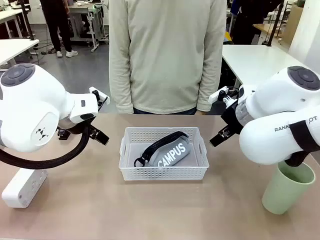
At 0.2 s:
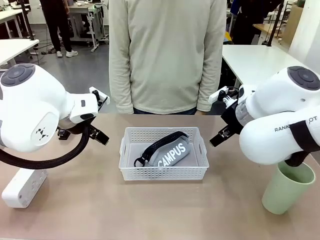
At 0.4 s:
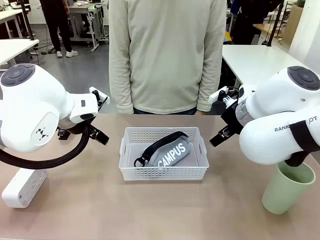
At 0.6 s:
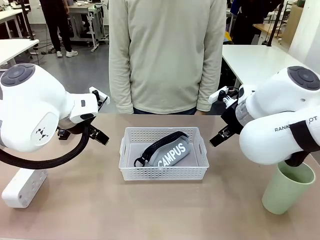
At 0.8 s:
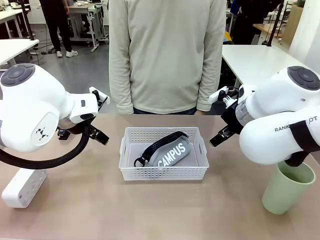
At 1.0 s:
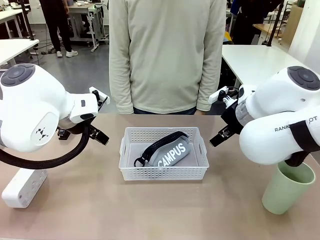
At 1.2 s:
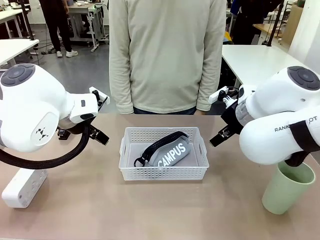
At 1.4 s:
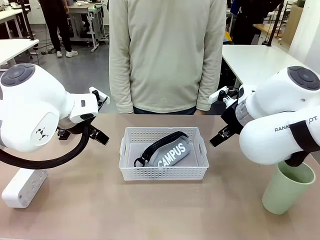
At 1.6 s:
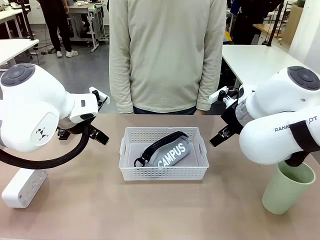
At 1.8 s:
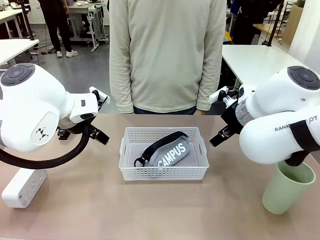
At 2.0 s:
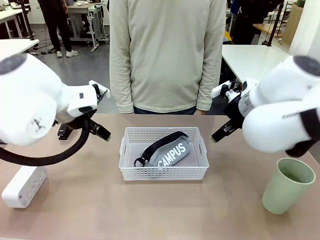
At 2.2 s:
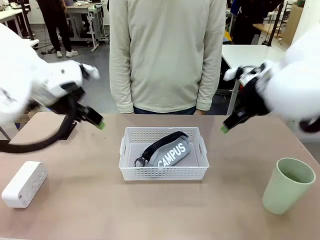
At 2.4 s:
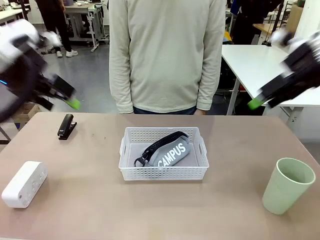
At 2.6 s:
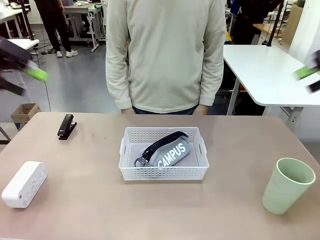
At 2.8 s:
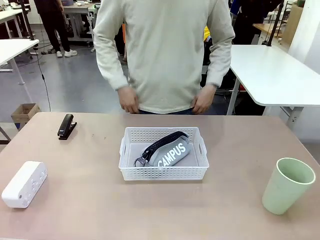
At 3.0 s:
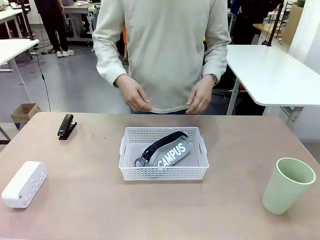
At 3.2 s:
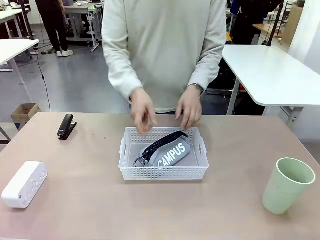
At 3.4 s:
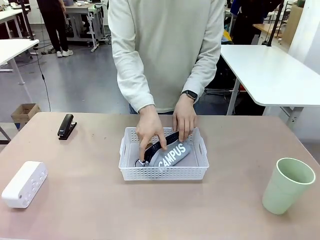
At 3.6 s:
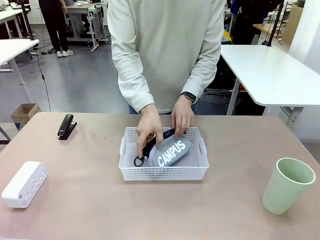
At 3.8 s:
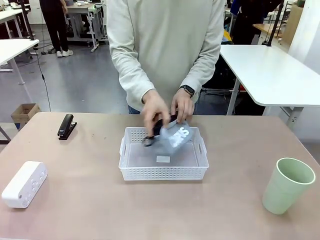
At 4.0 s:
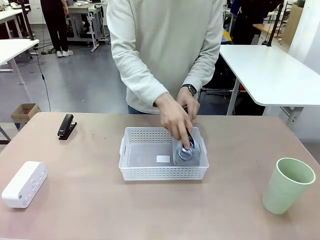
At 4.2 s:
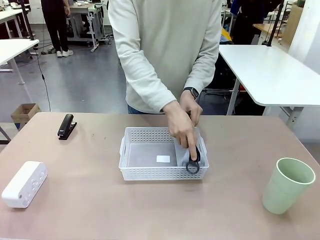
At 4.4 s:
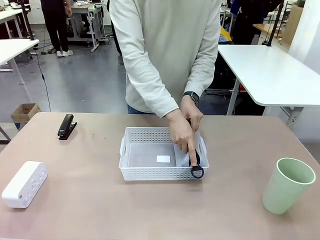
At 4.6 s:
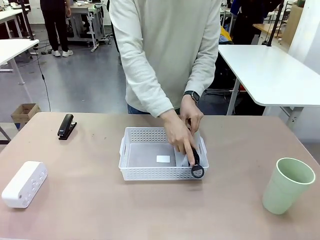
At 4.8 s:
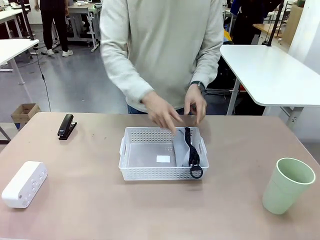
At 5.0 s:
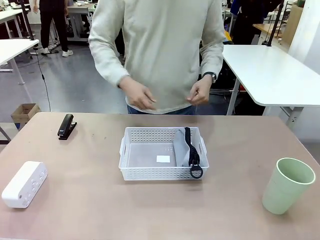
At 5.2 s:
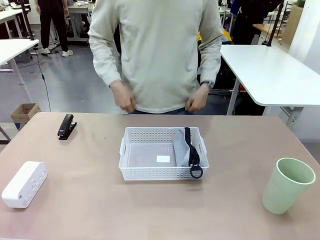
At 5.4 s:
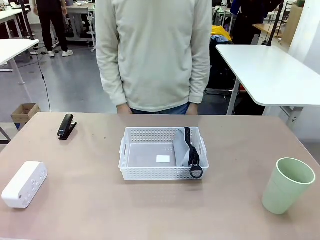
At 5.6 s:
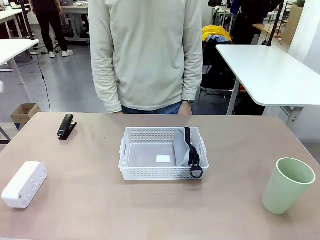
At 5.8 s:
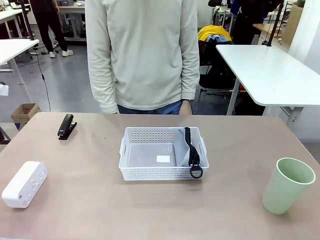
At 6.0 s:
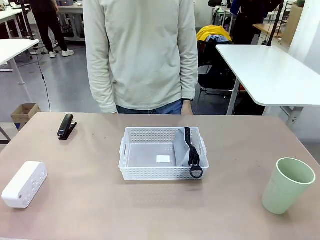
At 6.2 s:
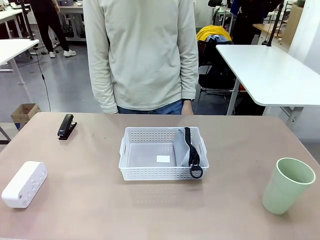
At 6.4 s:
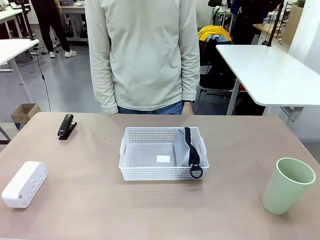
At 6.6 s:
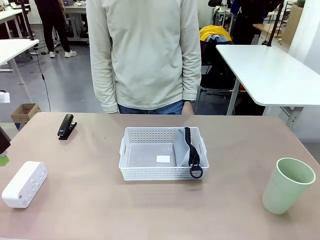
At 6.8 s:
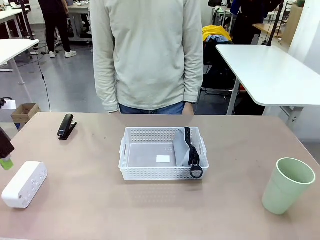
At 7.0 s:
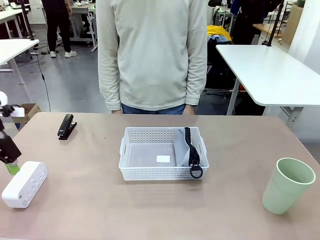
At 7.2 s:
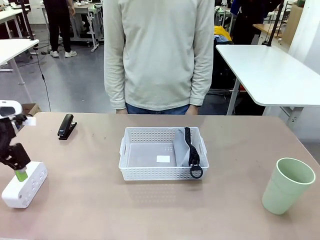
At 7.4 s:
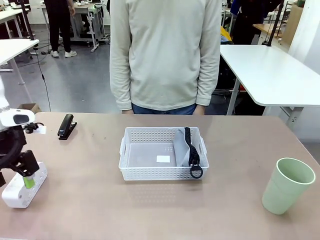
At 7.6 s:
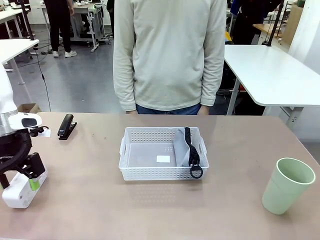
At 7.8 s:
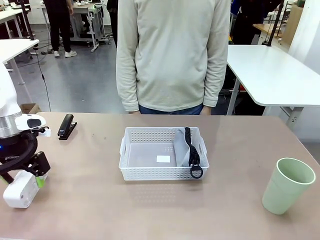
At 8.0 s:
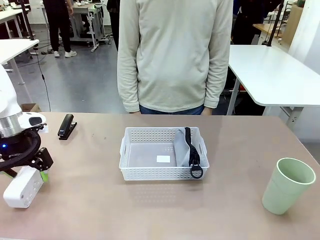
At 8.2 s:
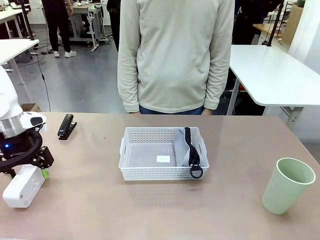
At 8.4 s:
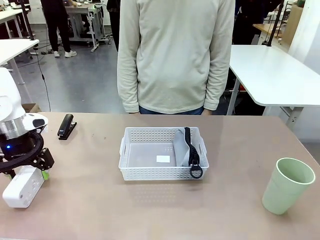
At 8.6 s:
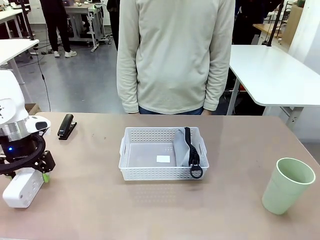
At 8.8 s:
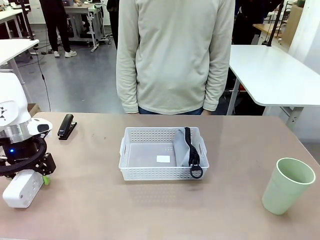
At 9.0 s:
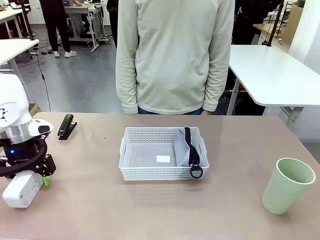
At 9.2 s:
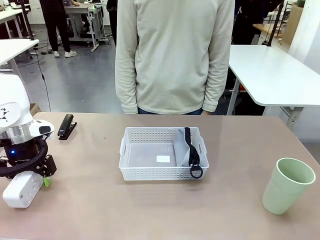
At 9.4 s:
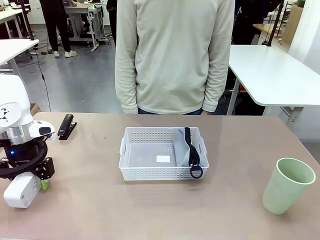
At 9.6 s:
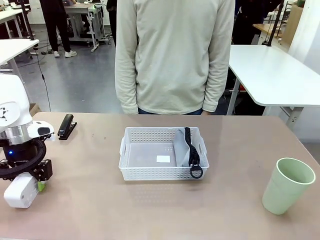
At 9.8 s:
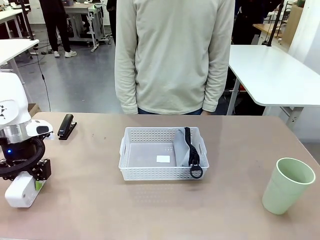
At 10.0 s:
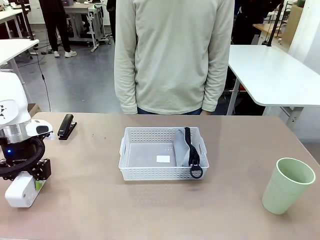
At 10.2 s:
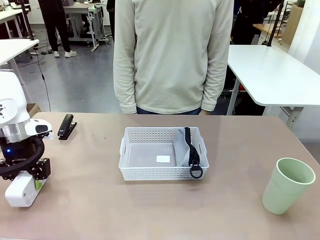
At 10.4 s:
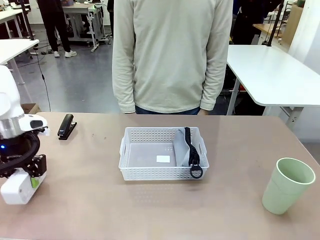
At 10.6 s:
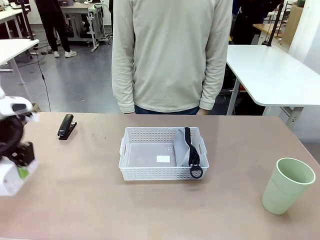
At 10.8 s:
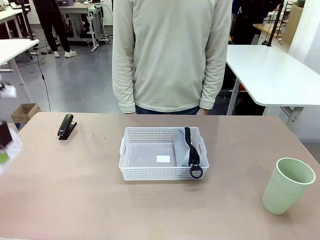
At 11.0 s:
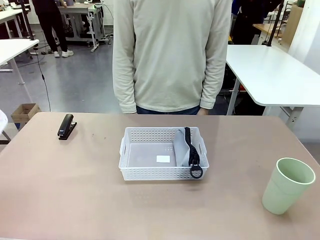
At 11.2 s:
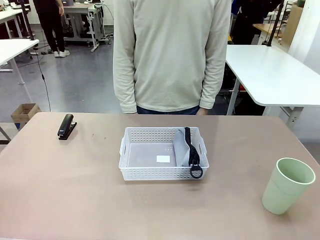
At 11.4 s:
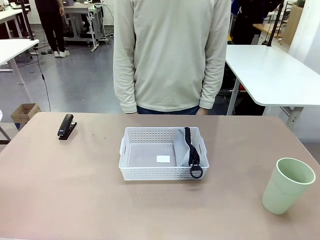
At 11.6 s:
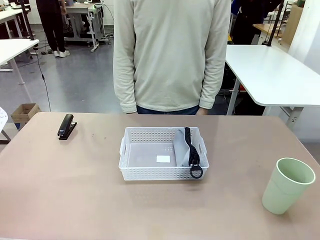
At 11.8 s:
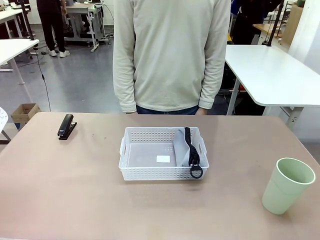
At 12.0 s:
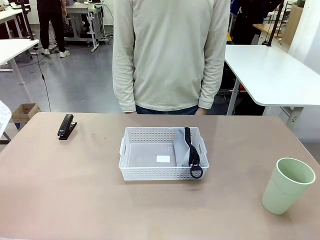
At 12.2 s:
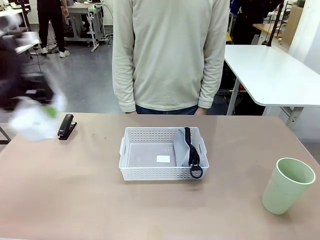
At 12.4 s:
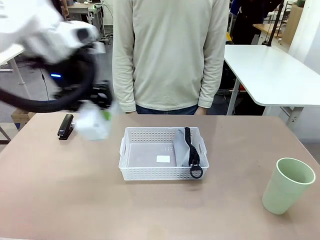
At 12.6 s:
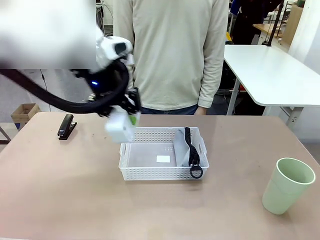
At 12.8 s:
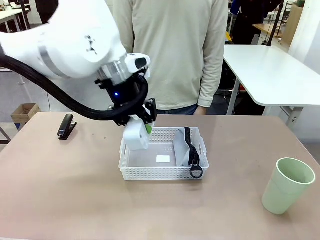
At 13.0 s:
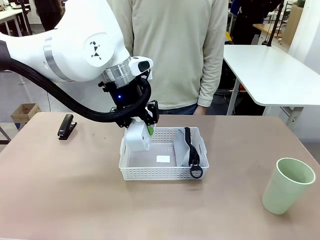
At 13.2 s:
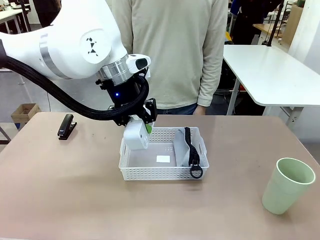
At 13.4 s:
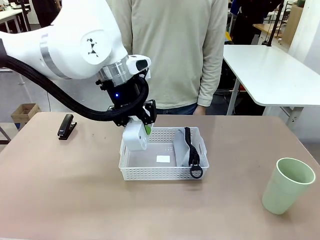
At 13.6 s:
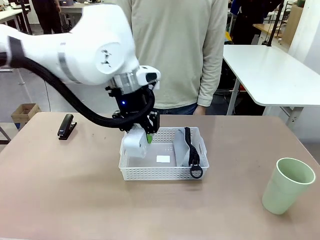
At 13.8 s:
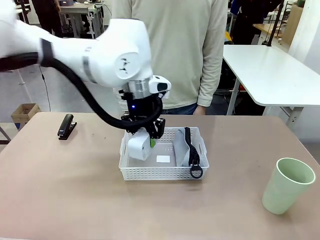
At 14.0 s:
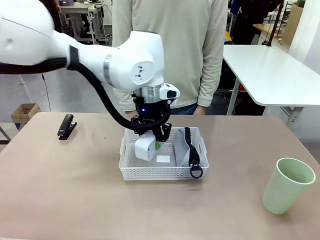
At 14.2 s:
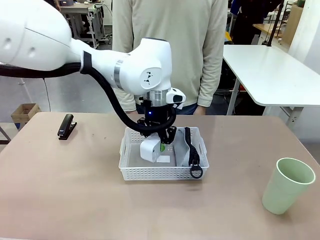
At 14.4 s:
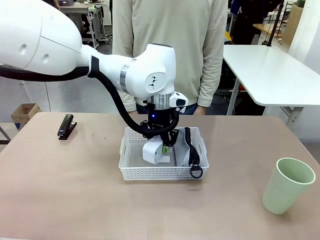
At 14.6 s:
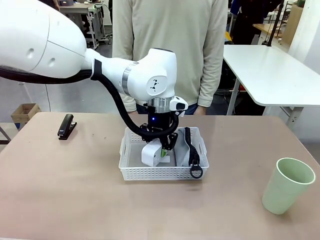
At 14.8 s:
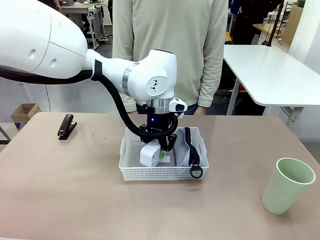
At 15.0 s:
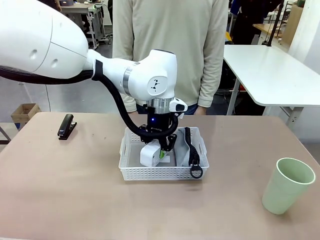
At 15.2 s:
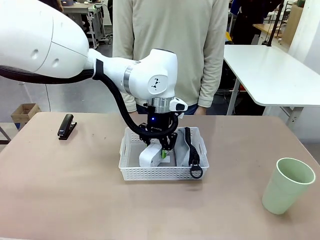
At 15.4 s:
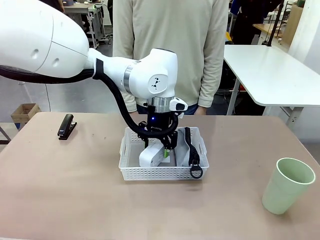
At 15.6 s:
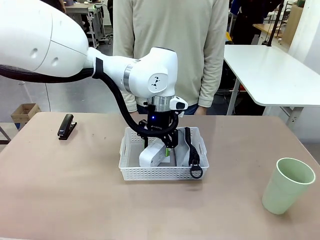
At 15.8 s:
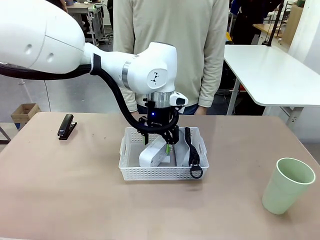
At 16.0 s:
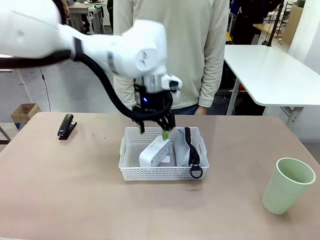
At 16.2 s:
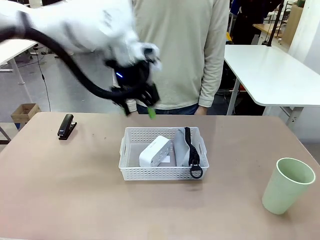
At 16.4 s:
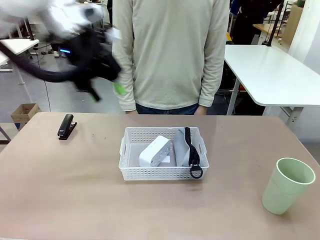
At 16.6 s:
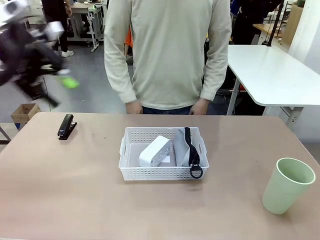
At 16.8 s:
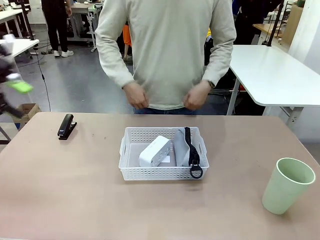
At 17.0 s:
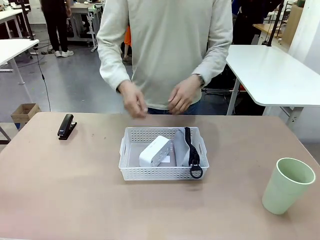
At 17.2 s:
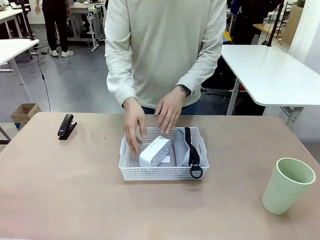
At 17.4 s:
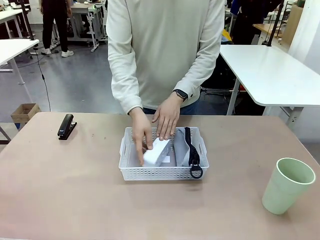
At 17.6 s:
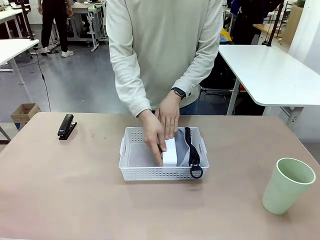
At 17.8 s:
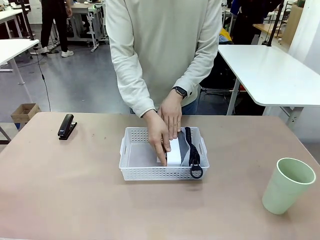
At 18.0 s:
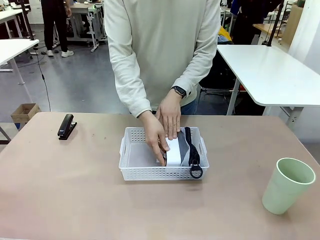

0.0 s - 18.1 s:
Task: Efficiently arrange items inside the basket to fit them all.
Robot: Pick up the Digital clock and place it inside the Organizing basket.
Person: Repositions the pencil case. Repositions the digital clock.
